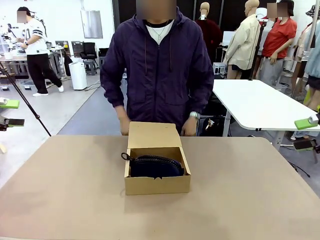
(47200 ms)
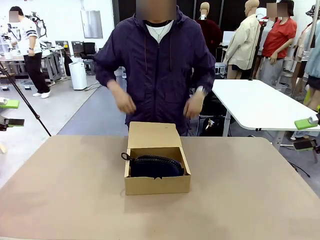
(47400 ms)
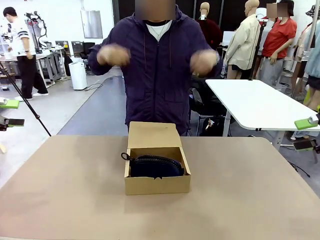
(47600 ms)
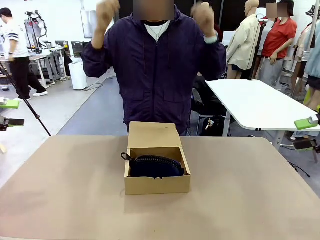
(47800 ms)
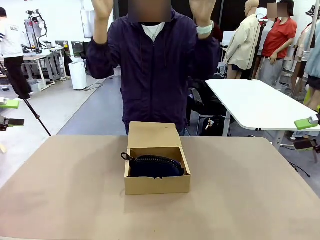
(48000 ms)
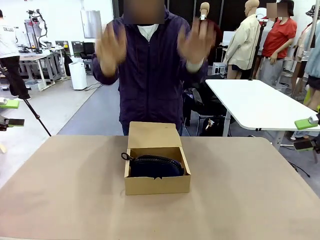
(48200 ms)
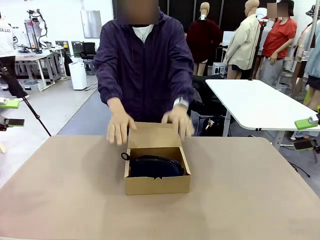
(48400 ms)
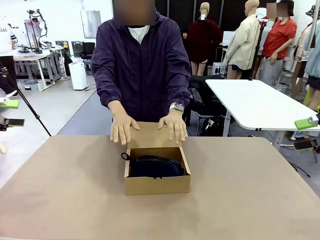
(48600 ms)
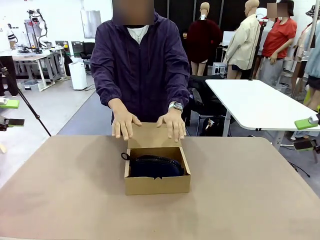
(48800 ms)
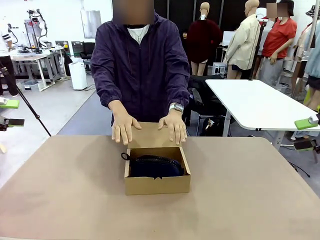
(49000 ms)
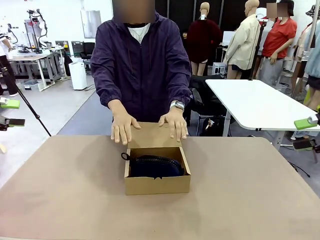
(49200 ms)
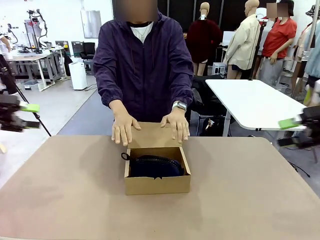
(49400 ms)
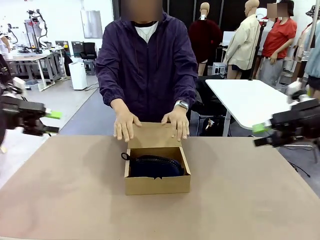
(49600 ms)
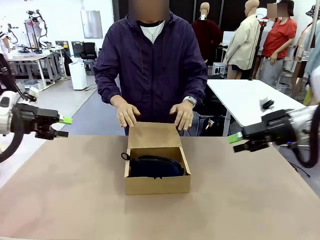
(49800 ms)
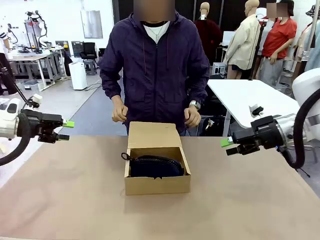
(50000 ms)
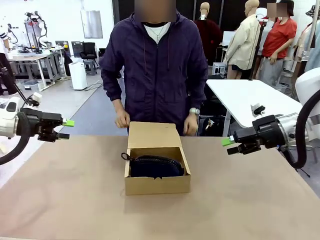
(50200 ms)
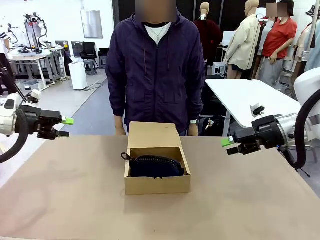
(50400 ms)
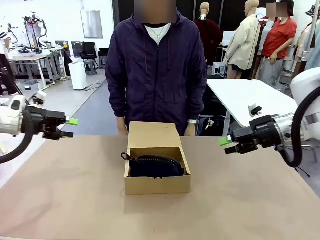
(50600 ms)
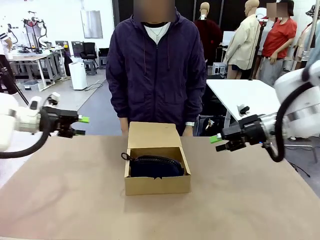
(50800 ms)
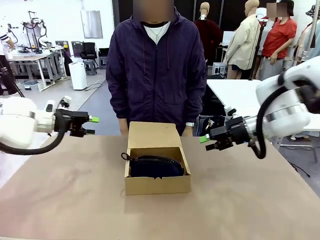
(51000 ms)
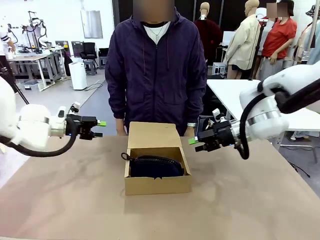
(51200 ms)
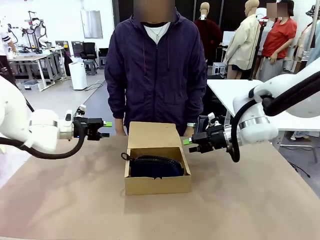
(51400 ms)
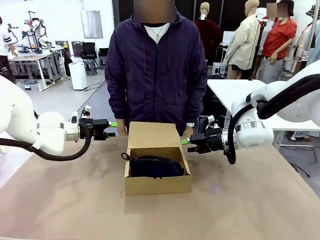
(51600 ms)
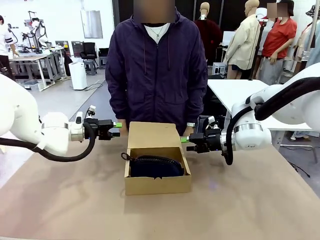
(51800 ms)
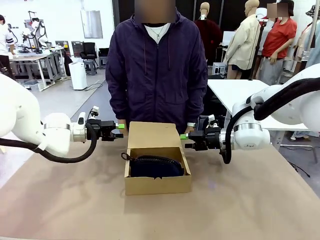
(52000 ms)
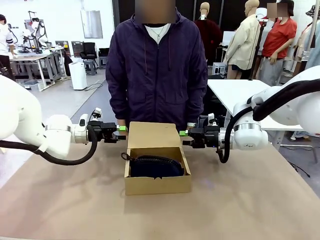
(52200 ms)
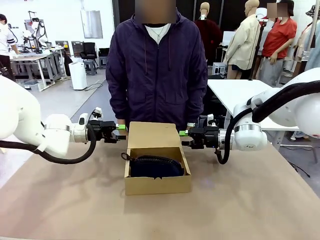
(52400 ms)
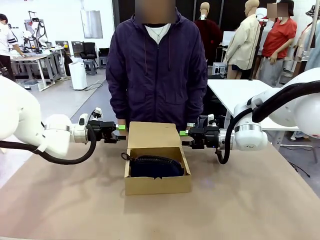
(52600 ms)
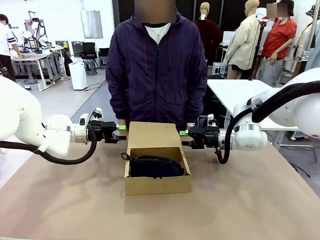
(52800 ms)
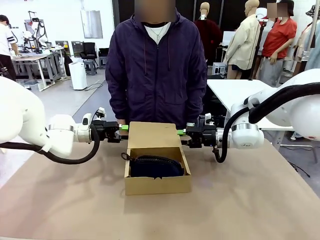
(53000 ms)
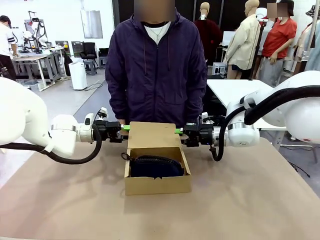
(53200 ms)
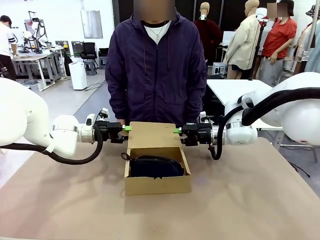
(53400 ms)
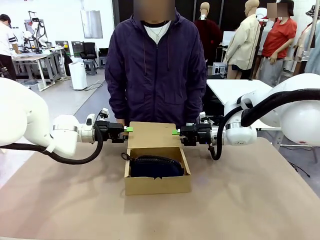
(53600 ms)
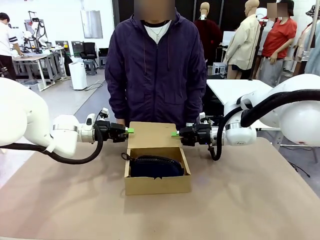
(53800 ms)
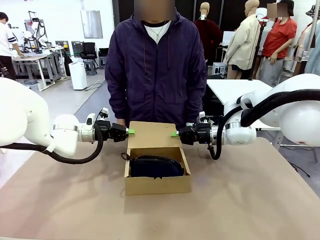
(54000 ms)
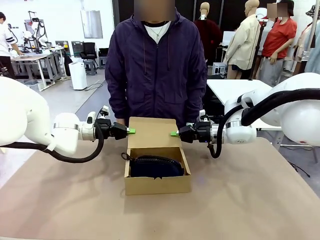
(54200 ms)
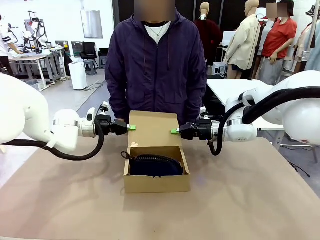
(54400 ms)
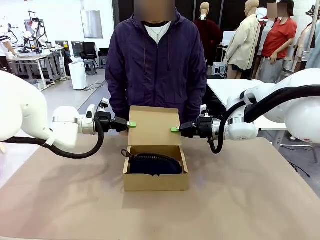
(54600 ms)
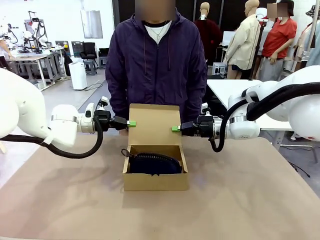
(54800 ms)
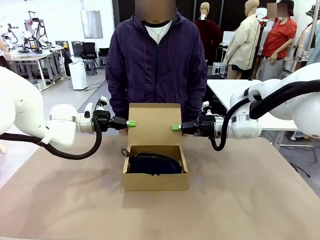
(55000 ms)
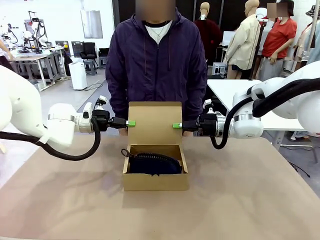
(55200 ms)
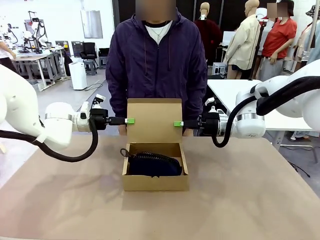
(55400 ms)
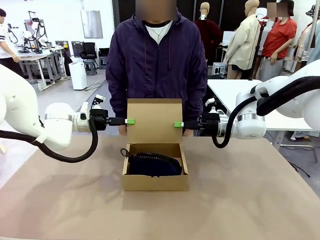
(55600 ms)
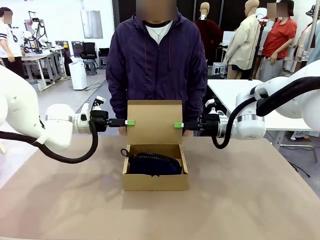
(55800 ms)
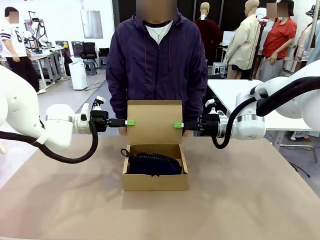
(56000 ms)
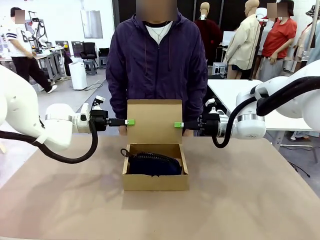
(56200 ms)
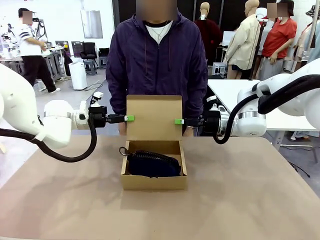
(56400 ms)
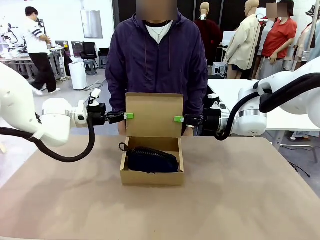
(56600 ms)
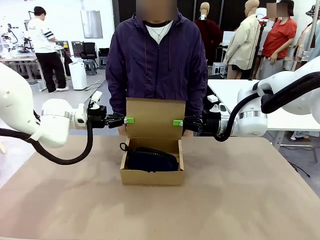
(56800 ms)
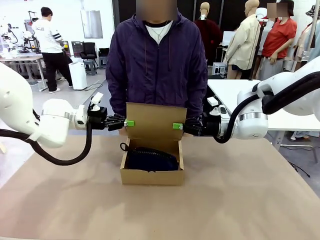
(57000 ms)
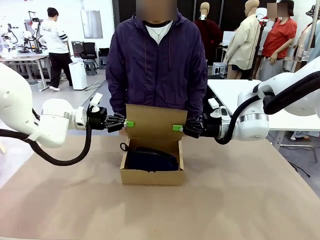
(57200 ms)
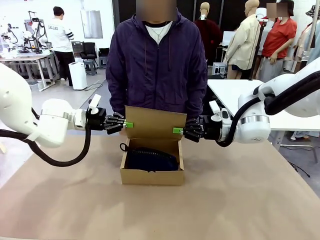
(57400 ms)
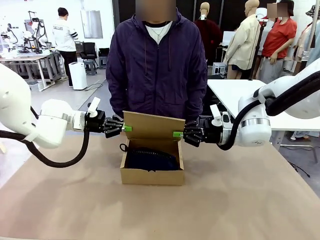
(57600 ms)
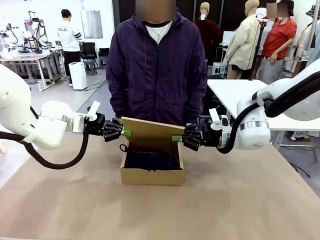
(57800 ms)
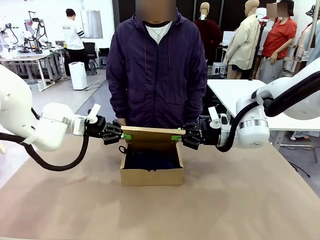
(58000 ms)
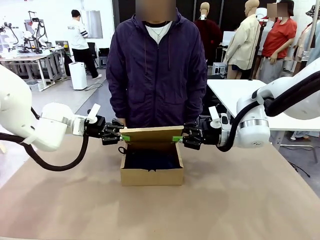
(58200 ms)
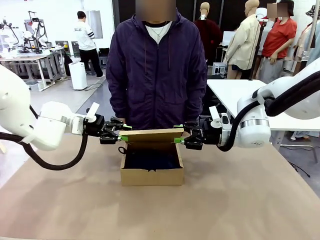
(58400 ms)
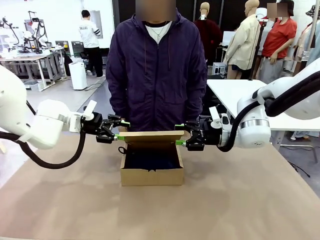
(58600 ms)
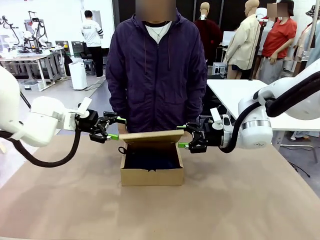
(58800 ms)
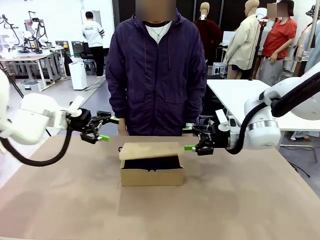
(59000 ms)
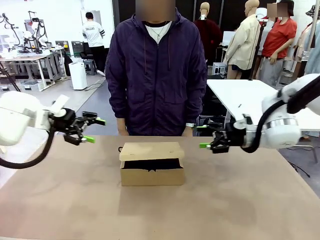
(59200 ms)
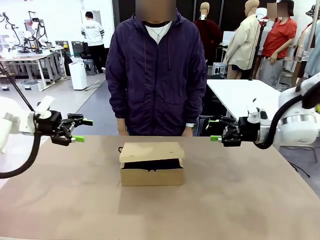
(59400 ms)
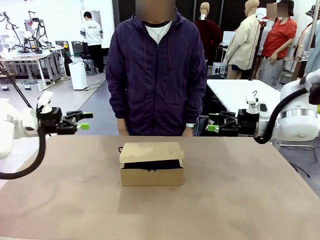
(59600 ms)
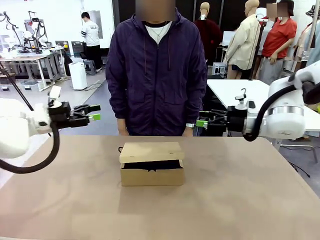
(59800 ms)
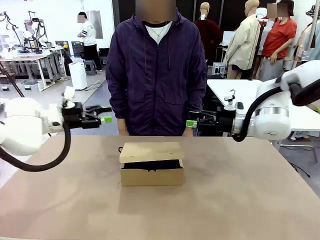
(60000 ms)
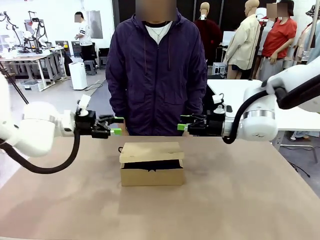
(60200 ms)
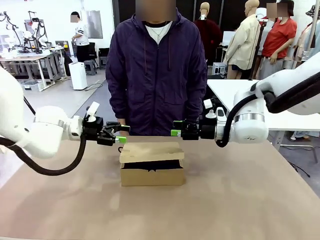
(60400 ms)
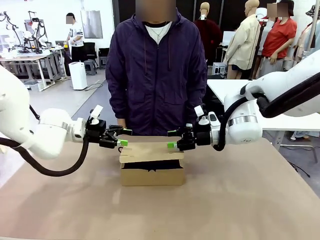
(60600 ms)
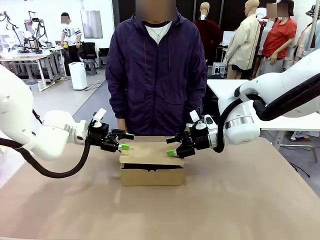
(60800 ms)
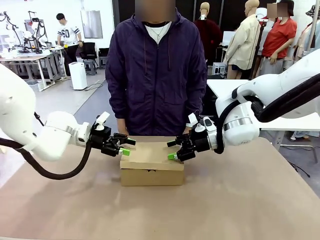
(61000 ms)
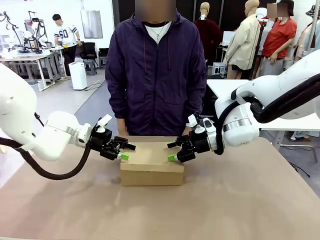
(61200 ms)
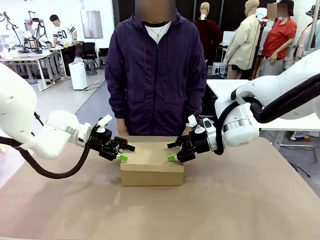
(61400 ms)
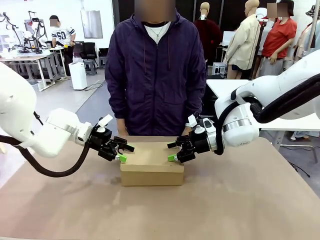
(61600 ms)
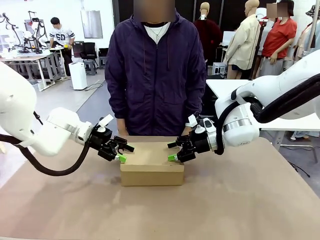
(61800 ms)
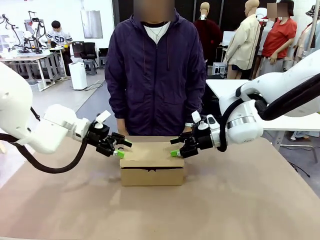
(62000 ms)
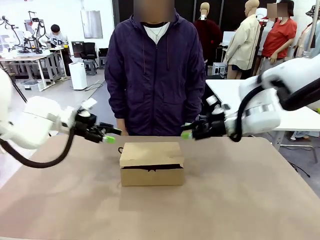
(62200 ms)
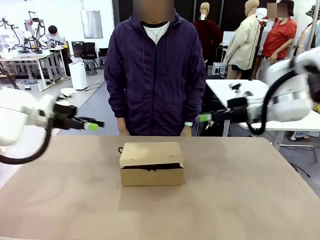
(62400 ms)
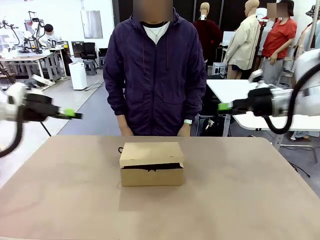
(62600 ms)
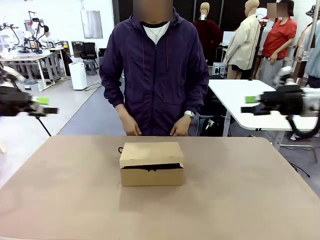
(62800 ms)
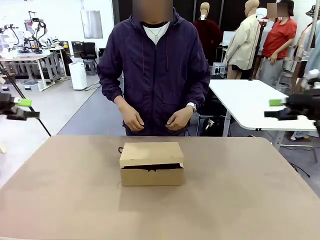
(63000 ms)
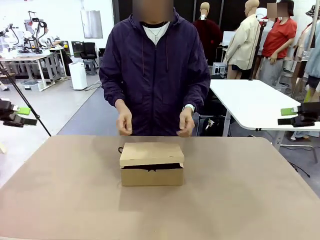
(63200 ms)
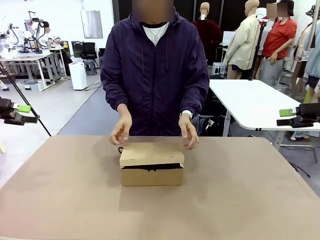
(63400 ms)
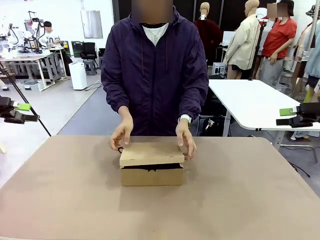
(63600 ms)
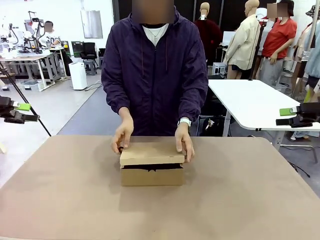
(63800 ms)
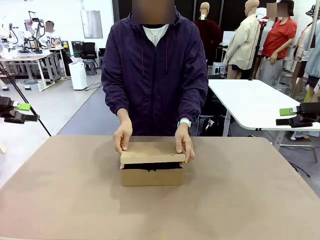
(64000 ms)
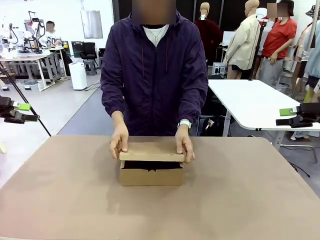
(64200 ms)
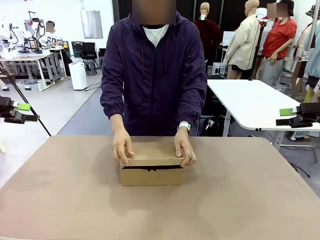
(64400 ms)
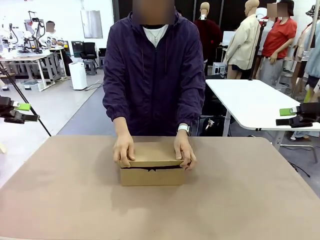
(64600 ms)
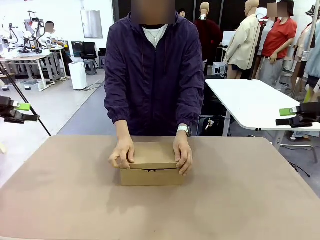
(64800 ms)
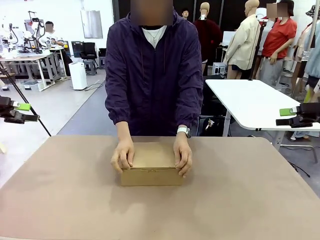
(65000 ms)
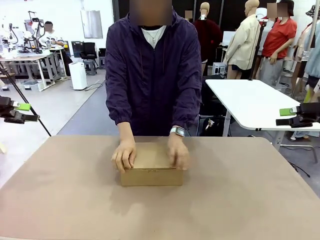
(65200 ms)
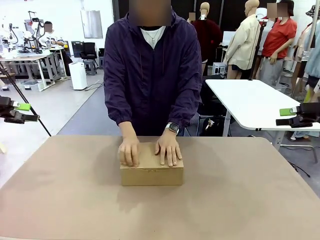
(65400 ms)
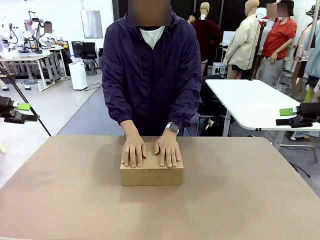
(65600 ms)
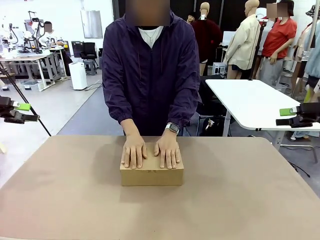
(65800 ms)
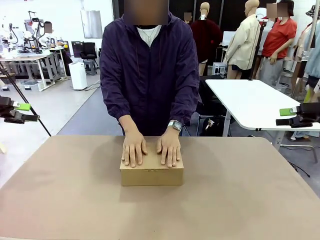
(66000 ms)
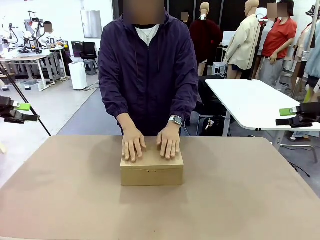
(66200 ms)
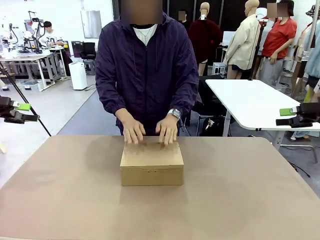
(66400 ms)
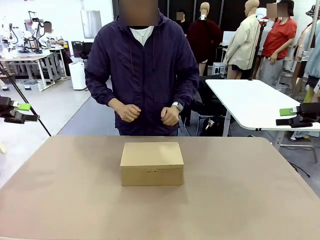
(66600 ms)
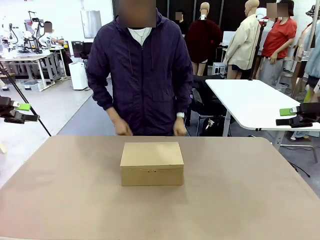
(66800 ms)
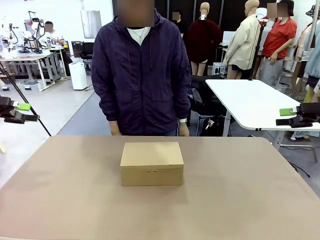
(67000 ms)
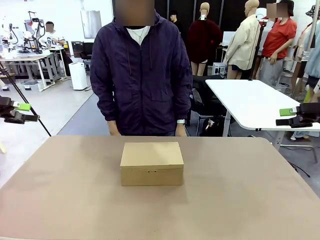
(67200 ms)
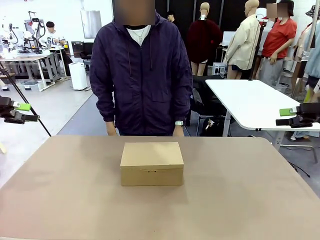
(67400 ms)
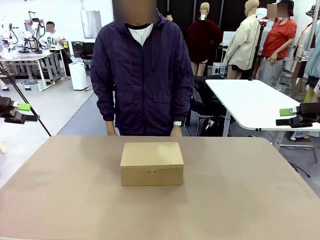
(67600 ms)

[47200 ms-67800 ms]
Task: Pack the items into the box.
Robot: Close the Mailer Box.
Person: Turn the box and lock it.
